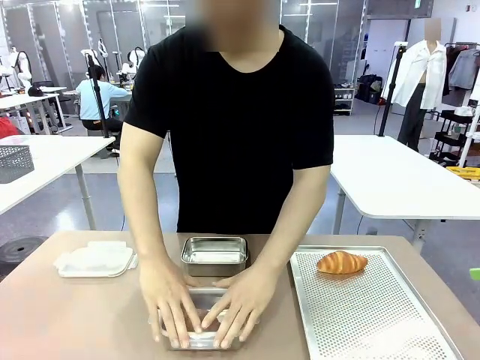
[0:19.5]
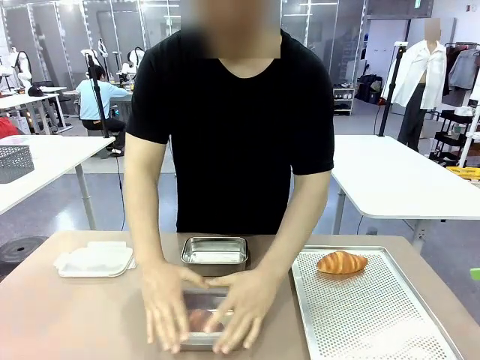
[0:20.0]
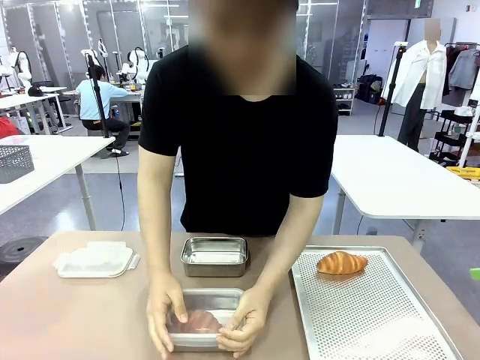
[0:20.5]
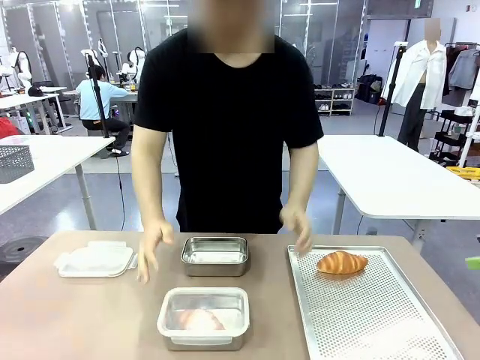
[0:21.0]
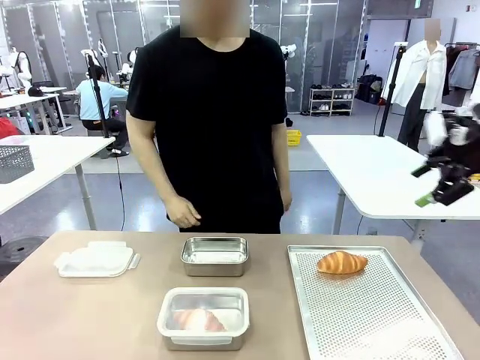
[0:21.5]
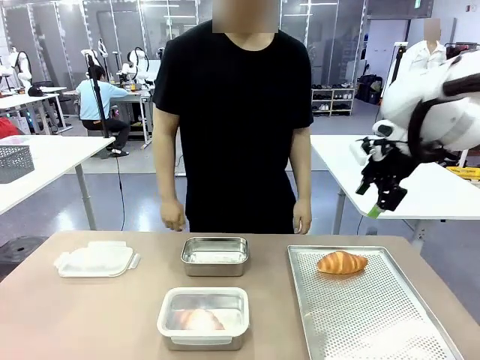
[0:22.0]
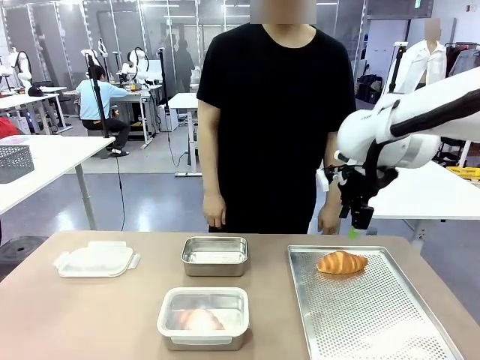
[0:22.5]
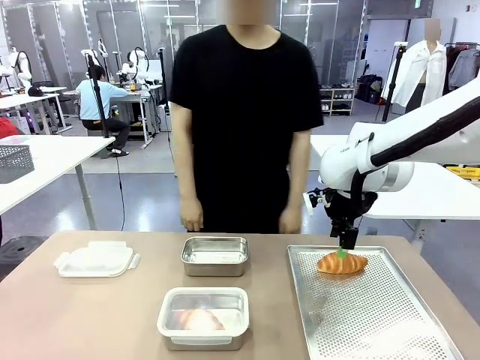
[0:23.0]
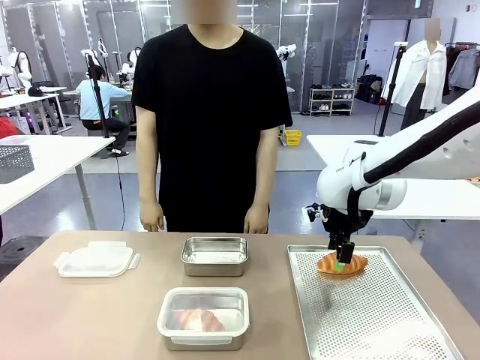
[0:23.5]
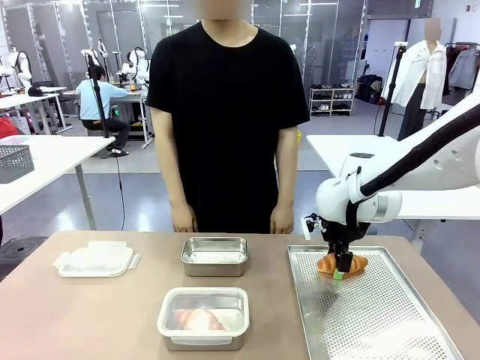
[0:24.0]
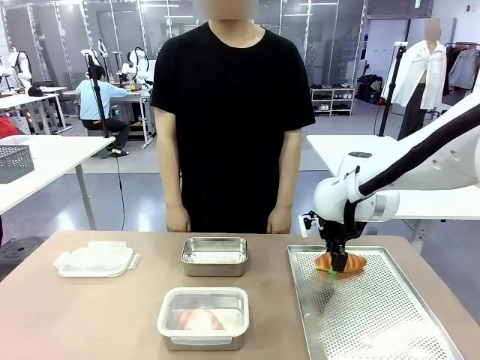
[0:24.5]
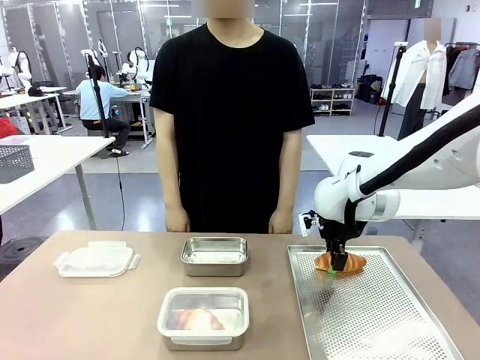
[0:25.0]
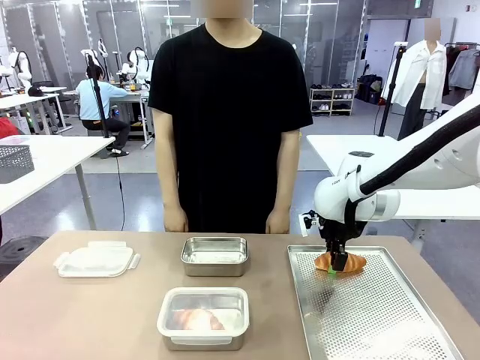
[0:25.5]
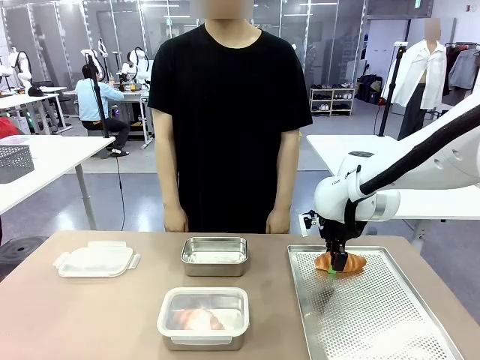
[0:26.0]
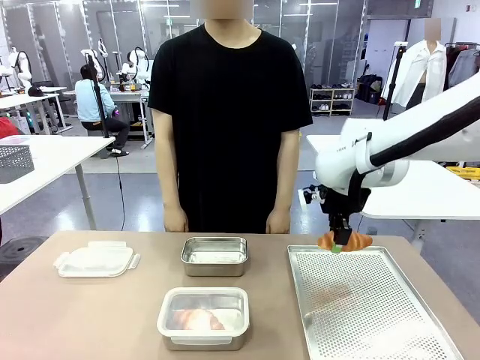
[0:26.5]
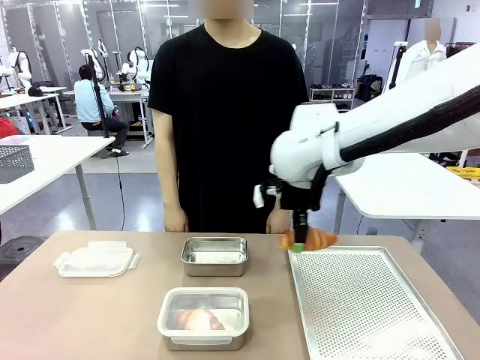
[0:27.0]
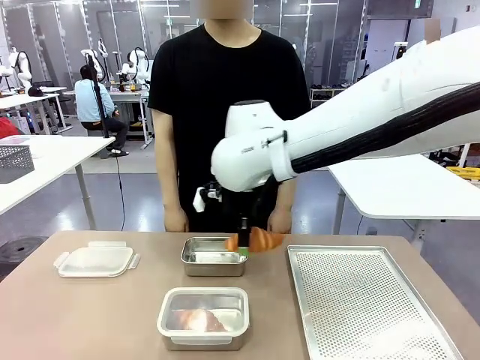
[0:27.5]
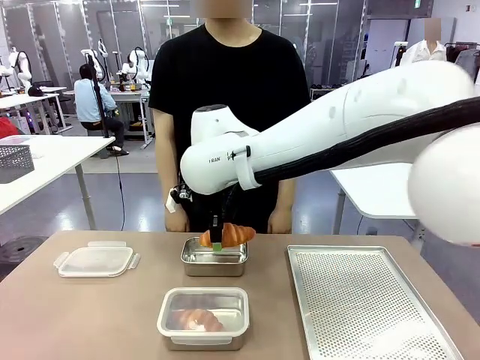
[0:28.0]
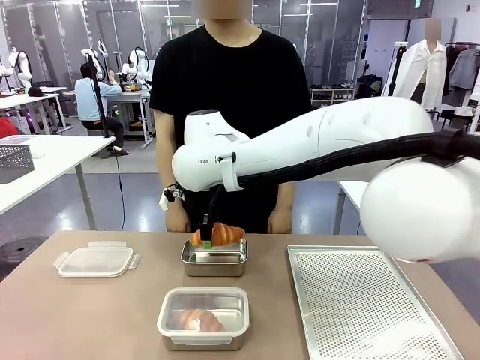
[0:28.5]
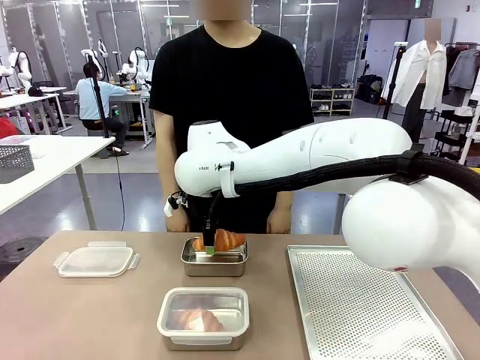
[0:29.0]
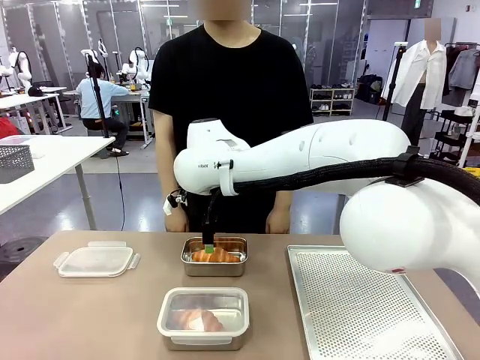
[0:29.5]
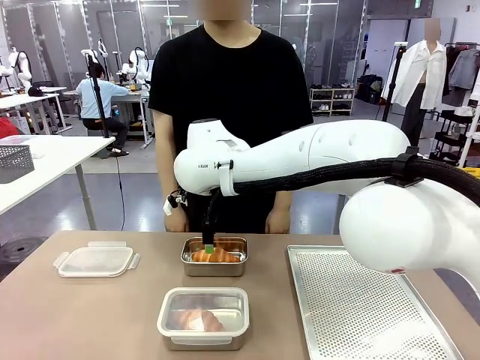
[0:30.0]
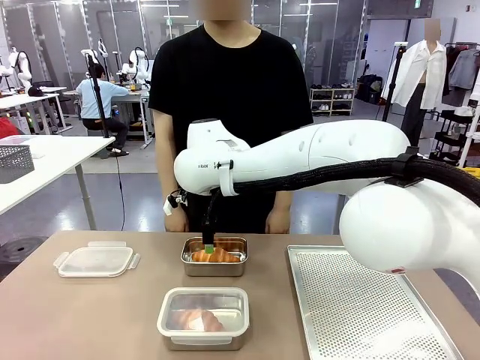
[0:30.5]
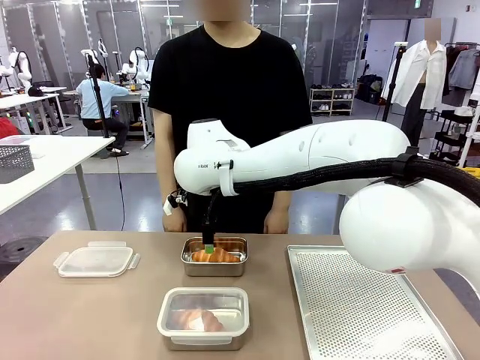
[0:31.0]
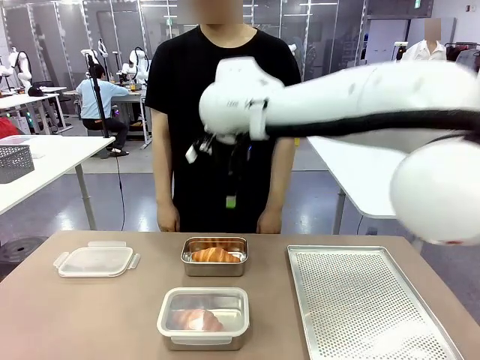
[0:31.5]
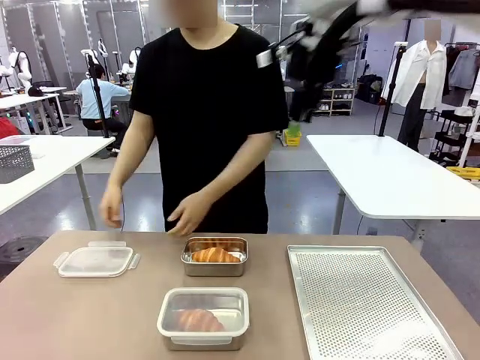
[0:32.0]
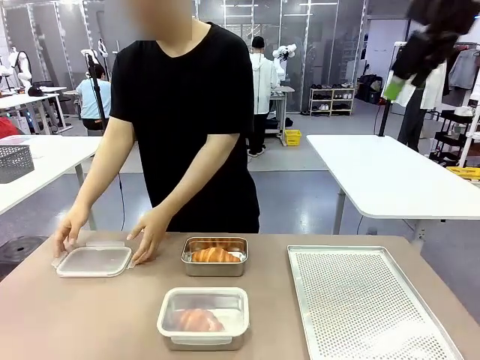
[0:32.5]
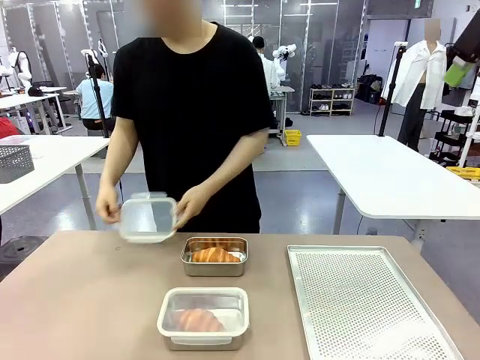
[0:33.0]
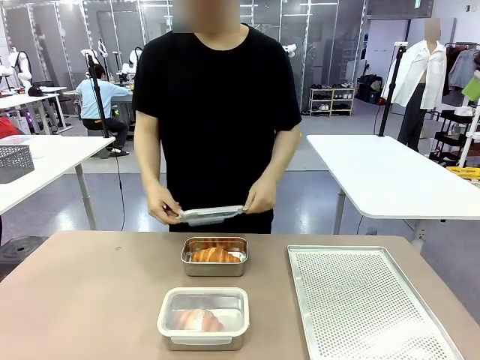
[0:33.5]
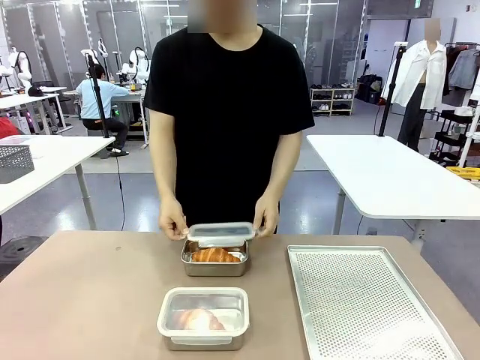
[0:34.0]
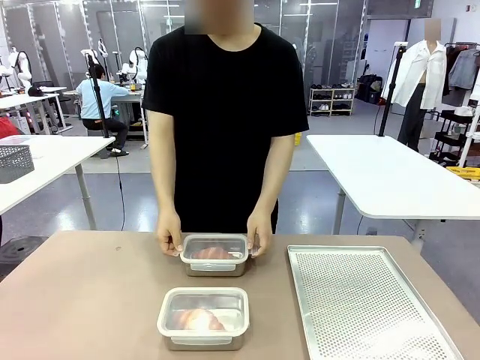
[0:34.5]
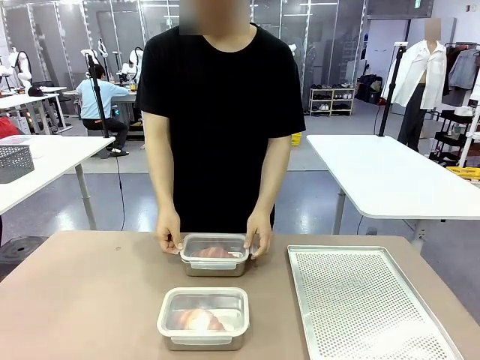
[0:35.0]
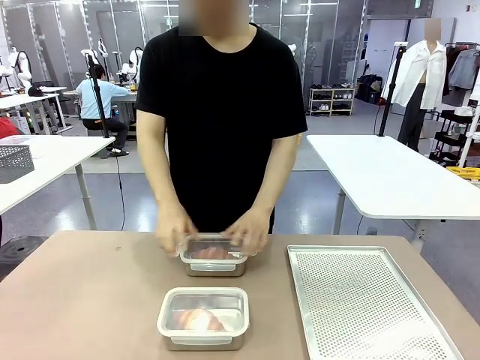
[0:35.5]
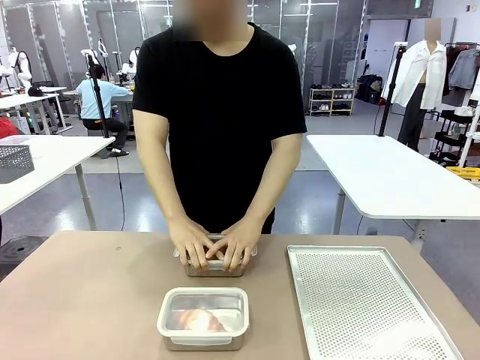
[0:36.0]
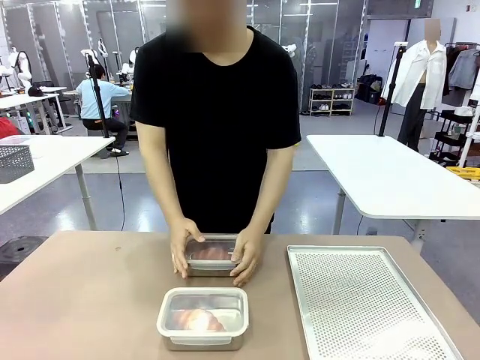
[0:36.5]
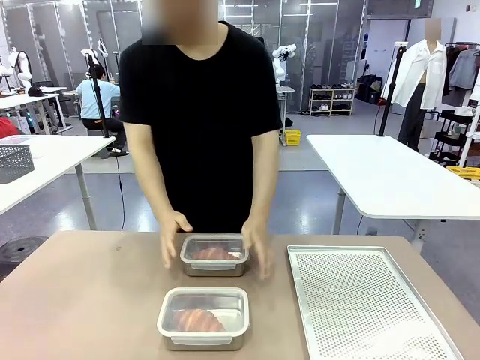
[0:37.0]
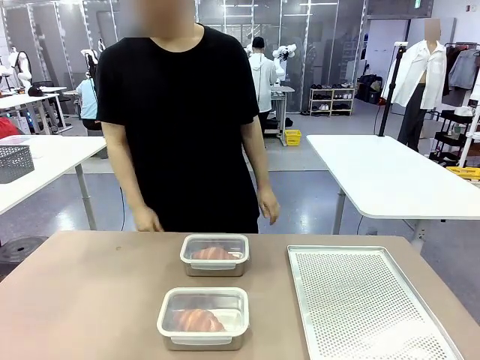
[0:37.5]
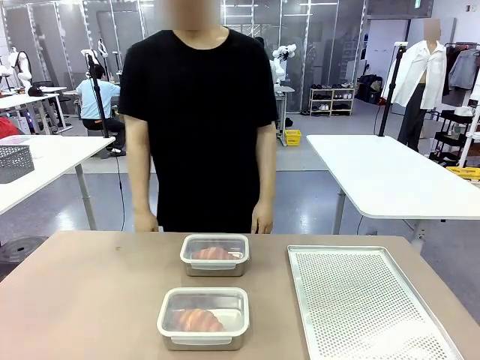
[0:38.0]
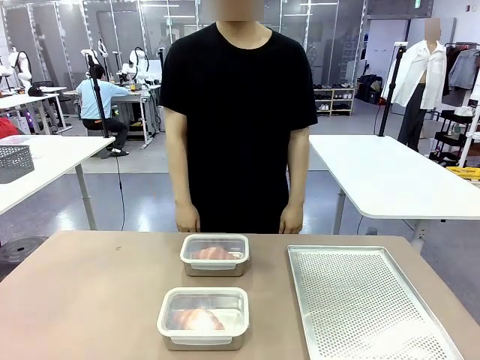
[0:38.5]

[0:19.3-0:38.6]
Task: Place the bread into the airtight container.
Robot: Pick up a Butter Roll and place it into an empty Airtight Container.

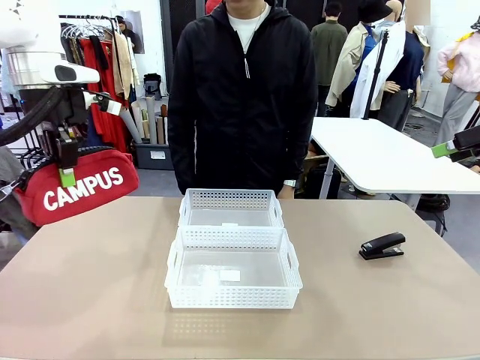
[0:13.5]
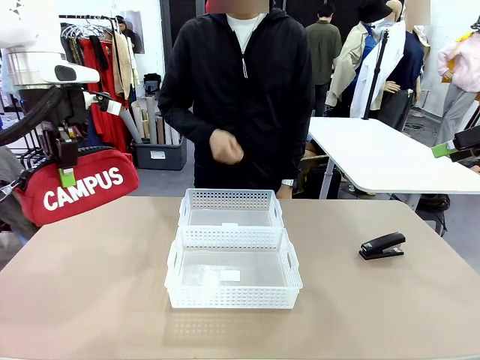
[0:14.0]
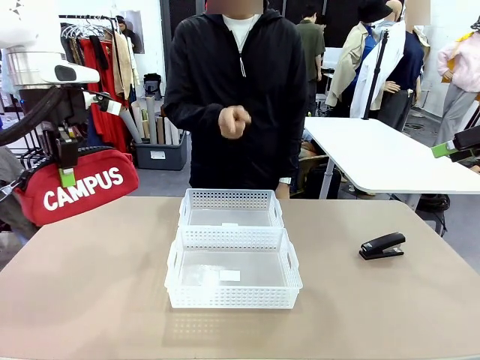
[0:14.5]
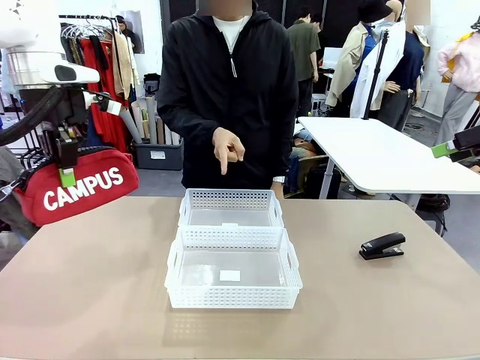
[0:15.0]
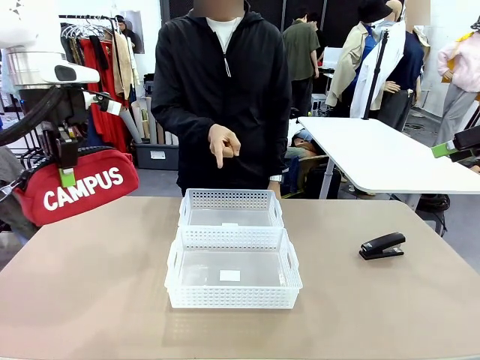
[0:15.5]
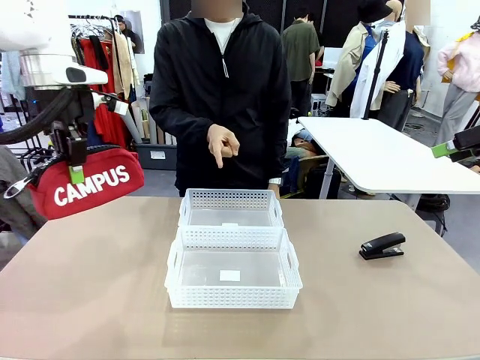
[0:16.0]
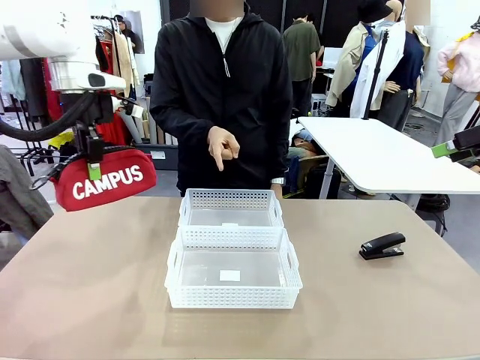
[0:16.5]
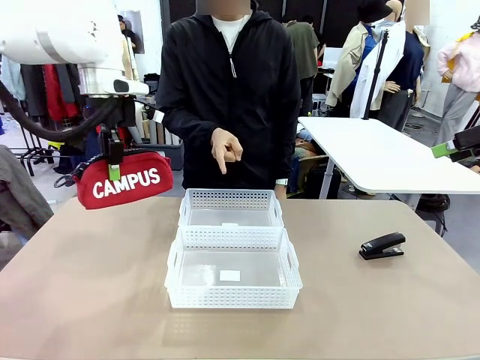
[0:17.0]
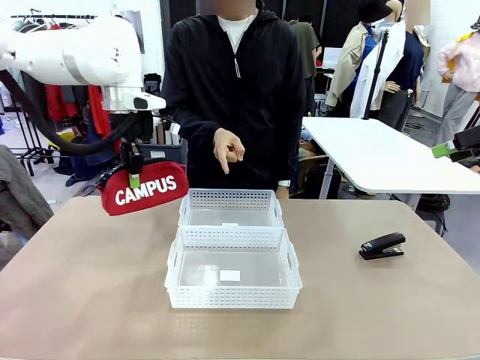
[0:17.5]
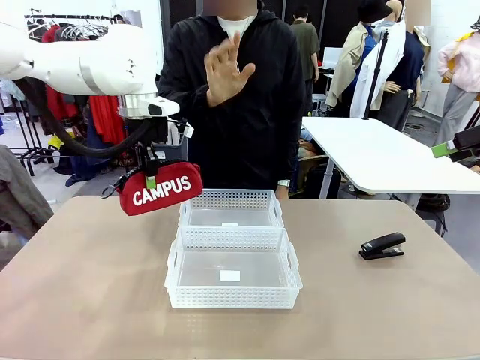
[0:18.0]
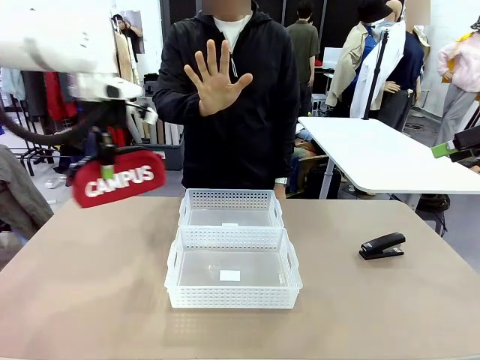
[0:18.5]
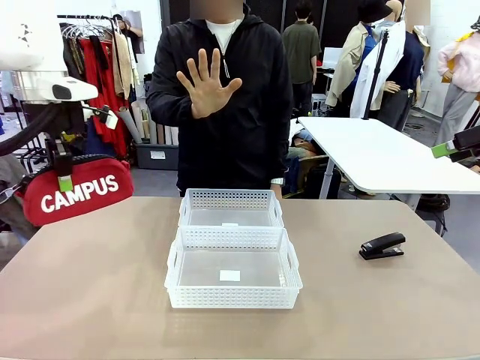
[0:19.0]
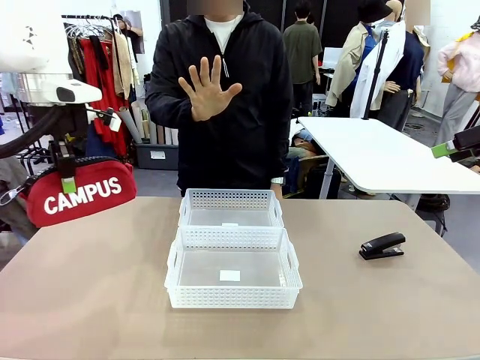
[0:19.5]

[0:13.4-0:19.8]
Task: Distribute items into two baskets.
Robot: Move the picked Pencil pouch towards the Organizing basket indicated by the person, stopping as directed.
Person: Sends a stop gesture before the robot places the pencil case into the basket.
